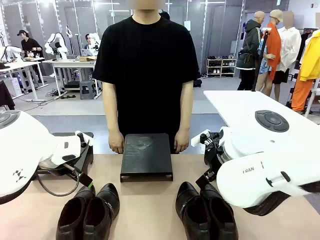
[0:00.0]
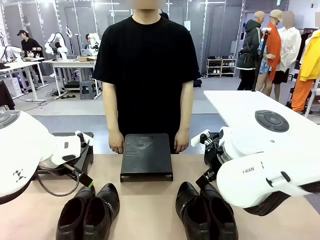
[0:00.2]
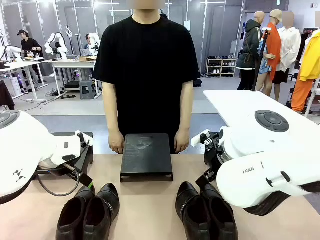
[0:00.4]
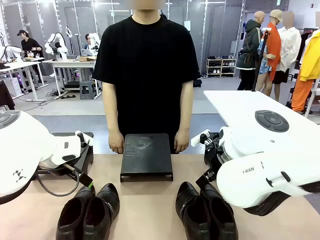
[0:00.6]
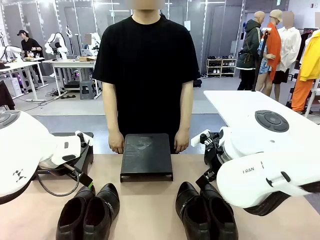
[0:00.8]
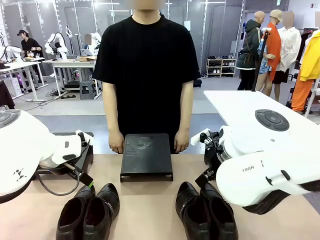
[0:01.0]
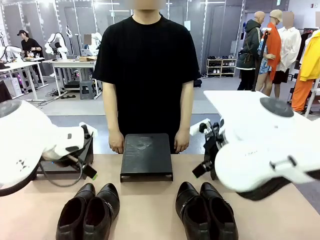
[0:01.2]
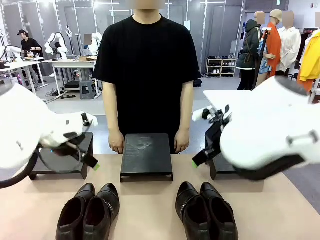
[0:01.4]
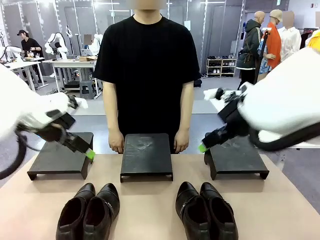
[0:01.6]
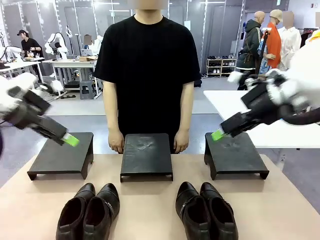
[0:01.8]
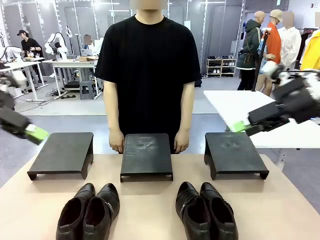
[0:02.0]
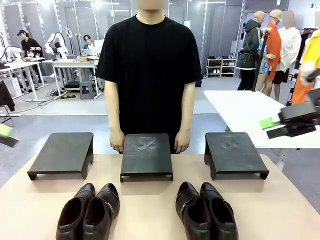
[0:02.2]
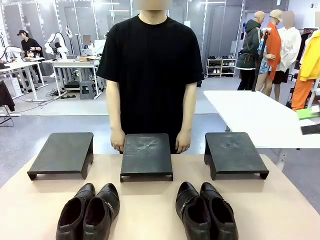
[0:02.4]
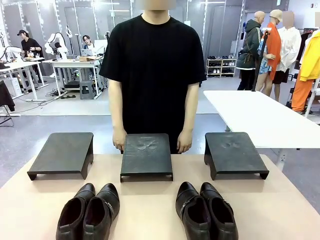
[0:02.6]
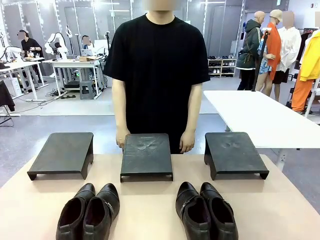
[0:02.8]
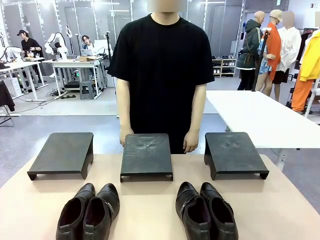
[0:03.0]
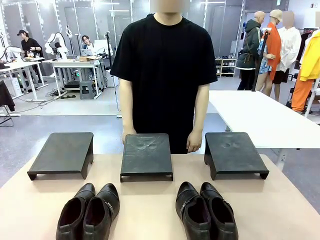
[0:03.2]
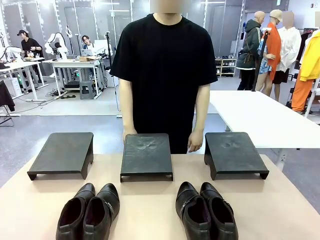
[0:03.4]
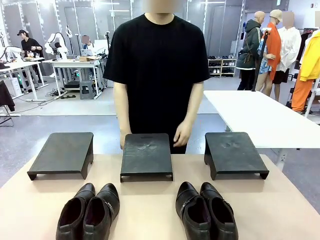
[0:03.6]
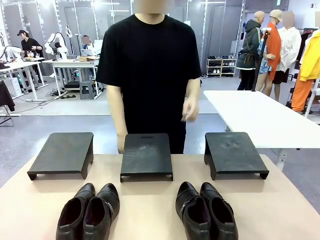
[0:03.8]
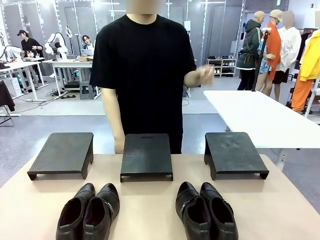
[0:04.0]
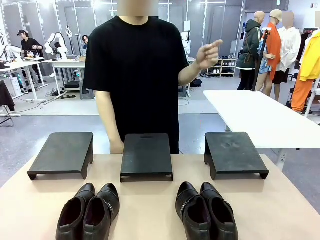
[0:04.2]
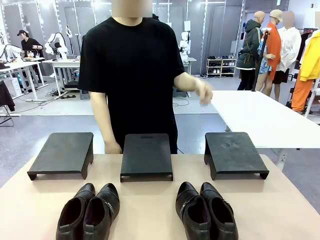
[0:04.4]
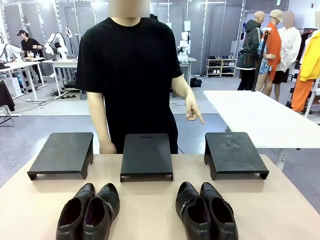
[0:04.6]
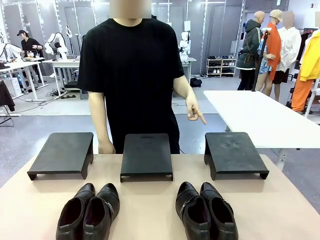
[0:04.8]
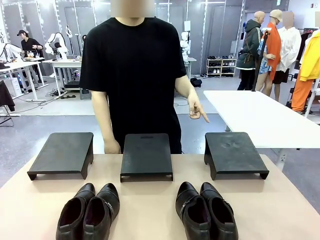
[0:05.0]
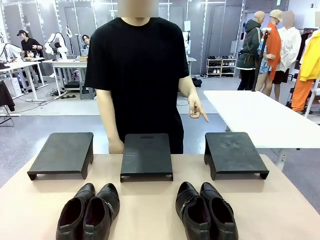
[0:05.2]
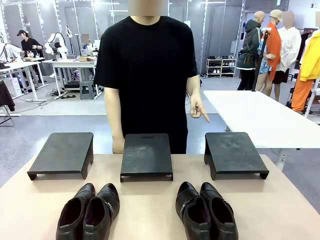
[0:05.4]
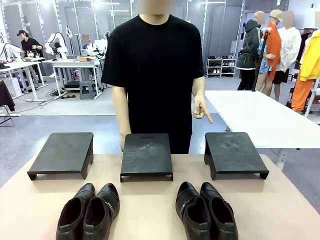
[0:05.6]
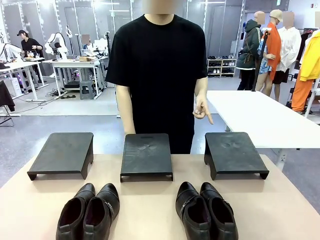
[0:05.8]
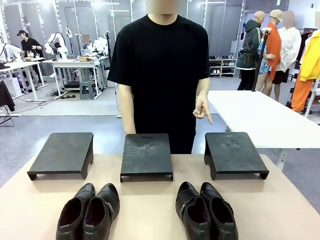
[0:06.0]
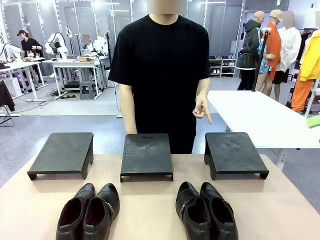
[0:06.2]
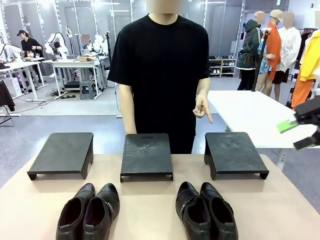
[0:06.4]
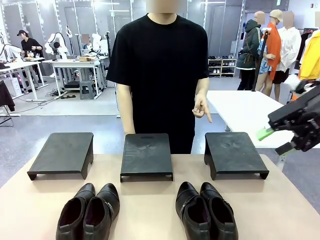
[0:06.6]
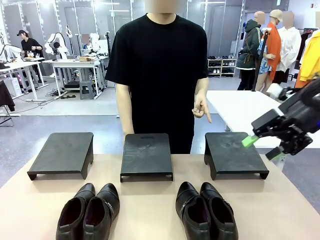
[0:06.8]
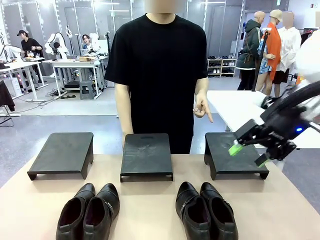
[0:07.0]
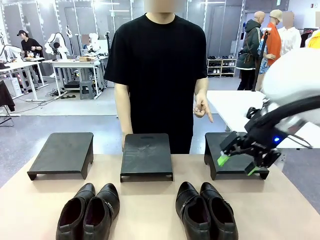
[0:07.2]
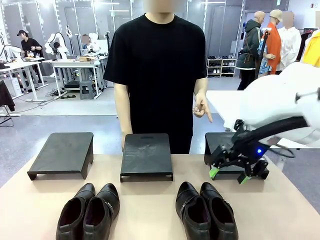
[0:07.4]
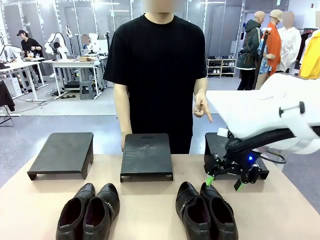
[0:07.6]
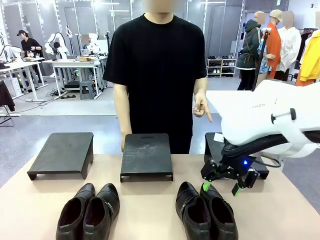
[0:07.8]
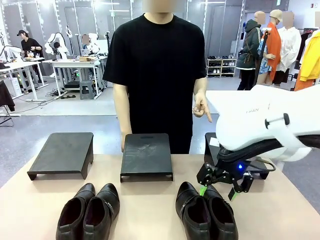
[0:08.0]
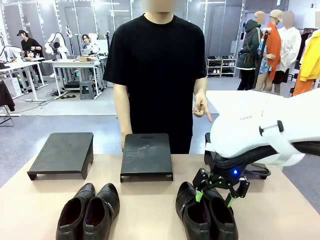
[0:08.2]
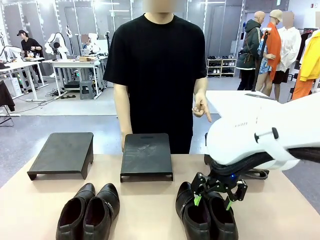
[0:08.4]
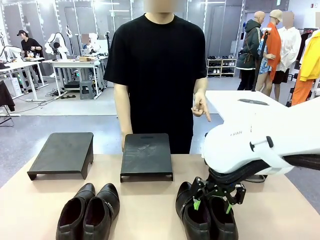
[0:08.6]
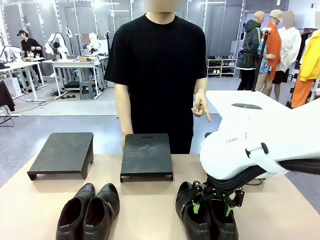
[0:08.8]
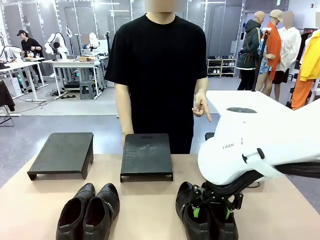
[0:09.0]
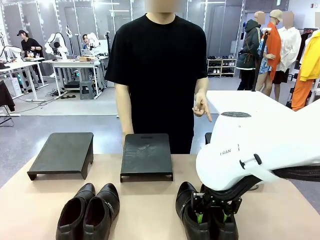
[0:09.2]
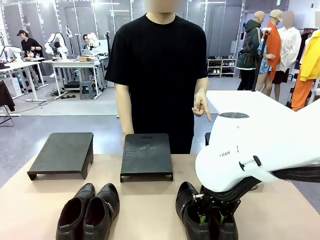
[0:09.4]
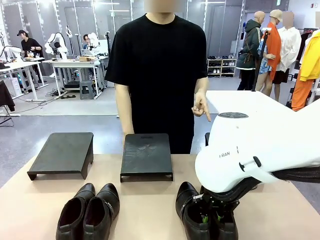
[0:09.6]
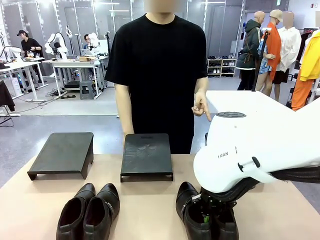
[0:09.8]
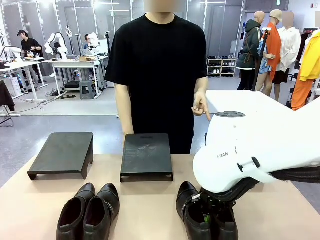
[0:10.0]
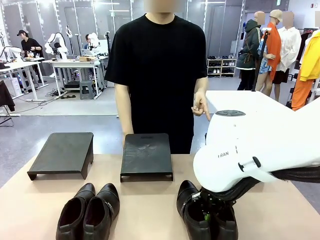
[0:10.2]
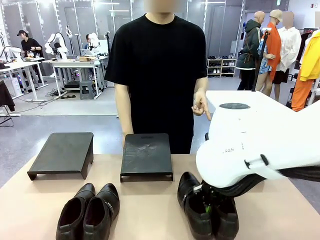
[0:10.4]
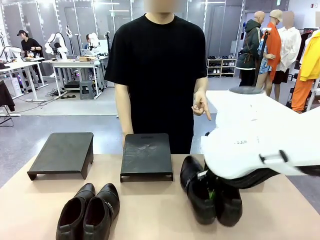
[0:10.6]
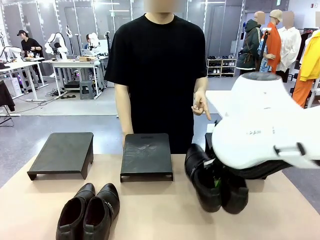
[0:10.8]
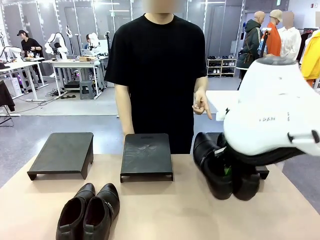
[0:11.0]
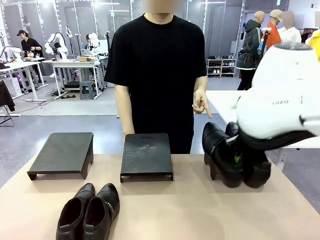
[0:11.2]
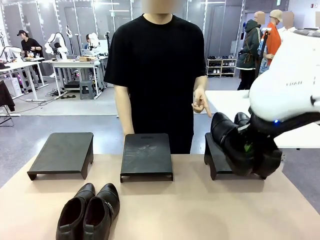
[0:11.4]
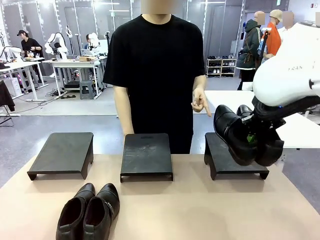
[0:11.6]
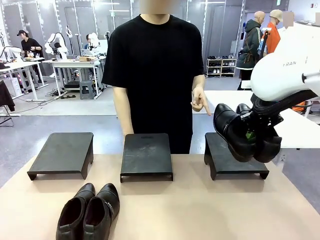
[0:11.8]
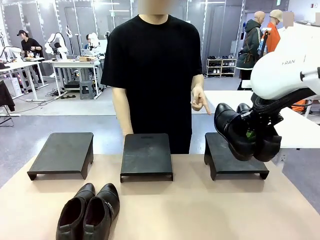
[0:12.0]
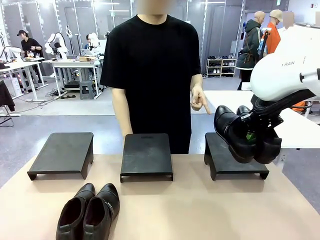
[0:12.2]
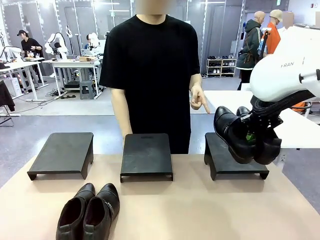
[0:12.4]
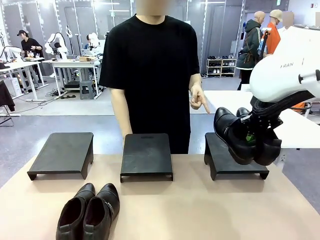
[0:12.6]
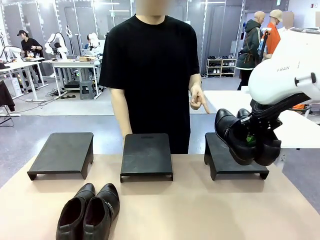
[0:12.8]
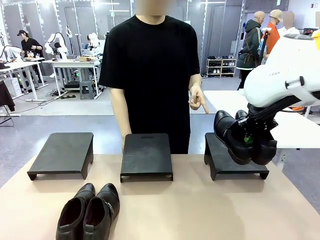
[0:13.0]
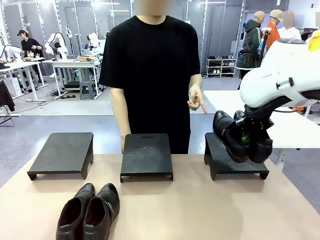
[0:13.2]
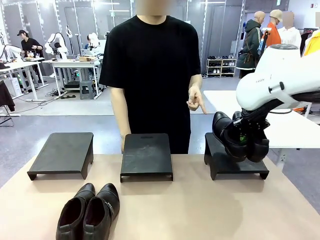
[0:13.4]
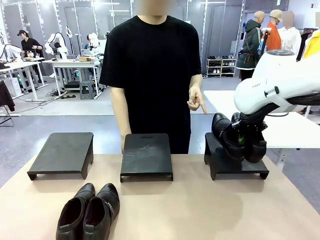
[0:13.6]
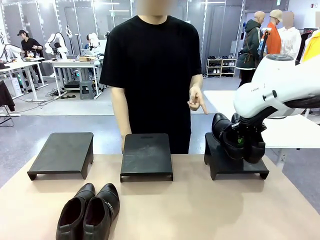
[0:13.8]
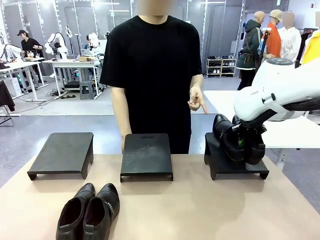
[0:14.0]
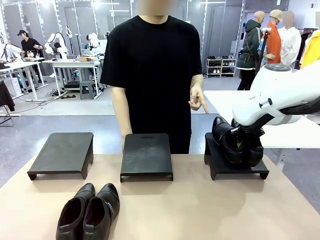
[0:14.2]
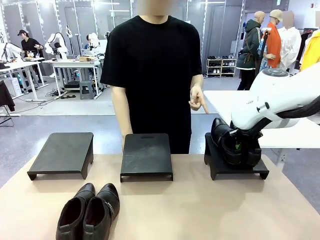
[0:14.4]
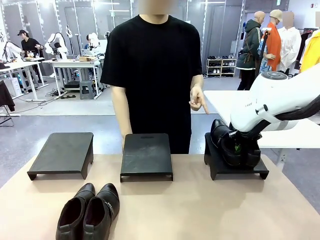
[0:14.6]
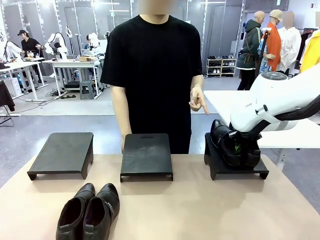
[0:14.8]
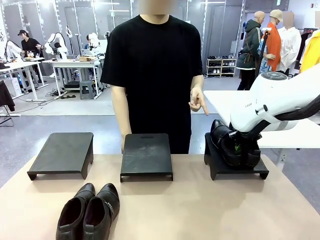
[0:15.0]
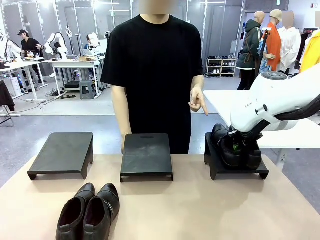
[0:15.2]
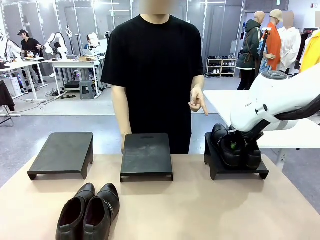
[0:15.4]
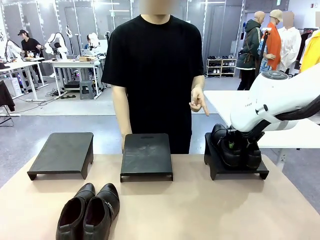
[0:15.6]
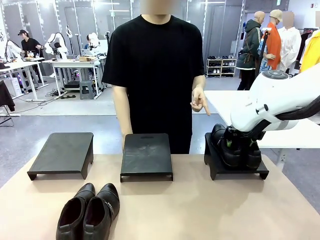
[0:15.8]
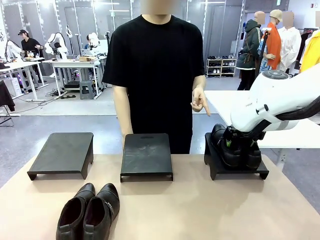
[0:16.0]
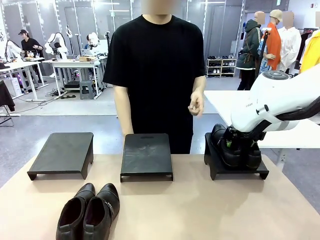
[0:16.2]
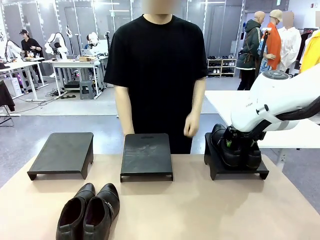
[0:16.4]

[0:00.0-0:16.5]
Task: Place the shoes on the stand as instructed by the person.
Robot: Pick up one pair of Shoes and place it on the Shoes Stand indicated by the person.
